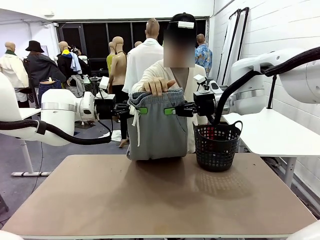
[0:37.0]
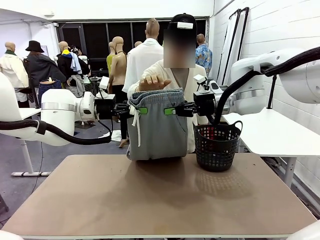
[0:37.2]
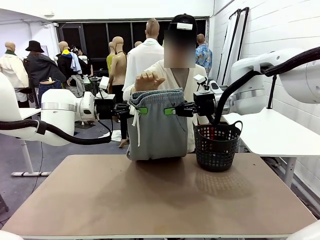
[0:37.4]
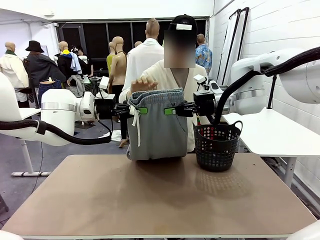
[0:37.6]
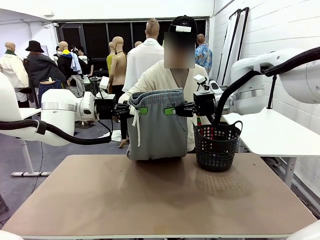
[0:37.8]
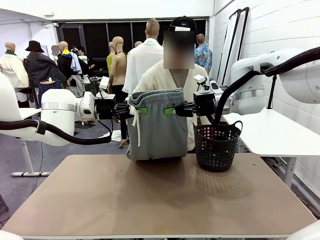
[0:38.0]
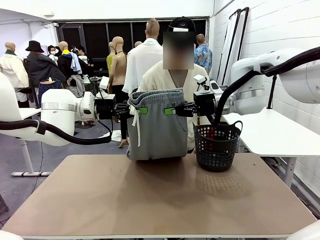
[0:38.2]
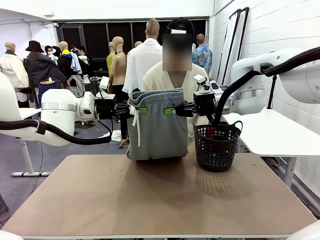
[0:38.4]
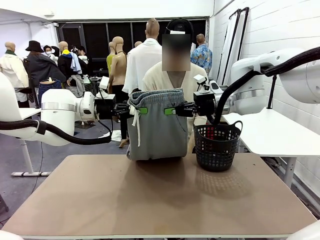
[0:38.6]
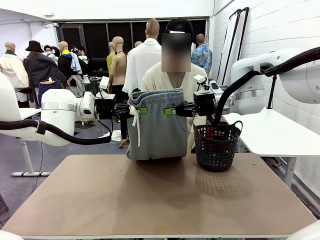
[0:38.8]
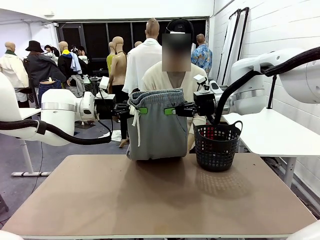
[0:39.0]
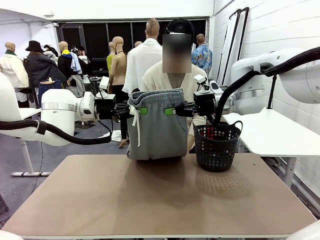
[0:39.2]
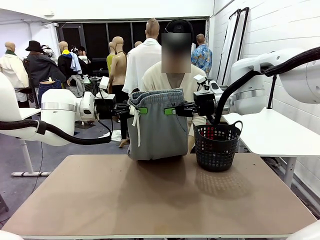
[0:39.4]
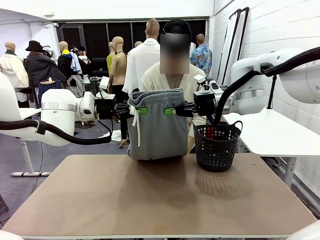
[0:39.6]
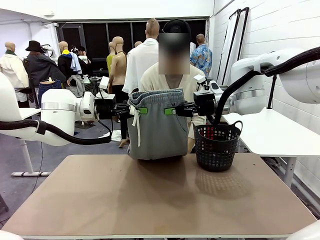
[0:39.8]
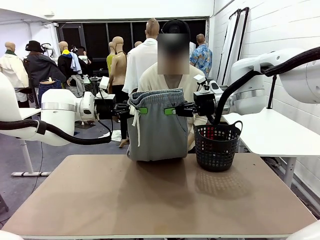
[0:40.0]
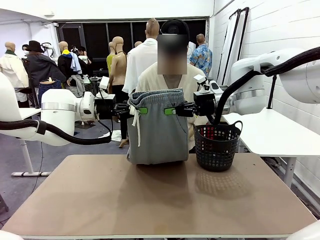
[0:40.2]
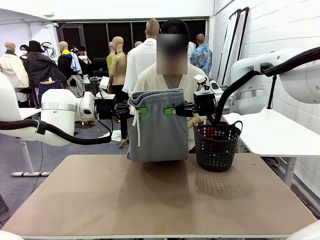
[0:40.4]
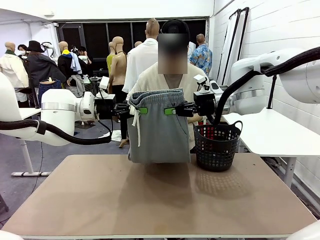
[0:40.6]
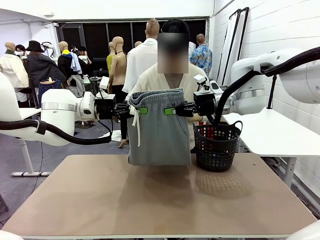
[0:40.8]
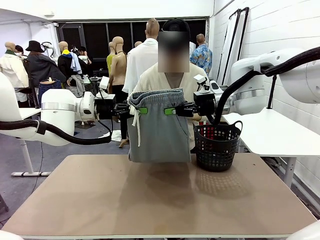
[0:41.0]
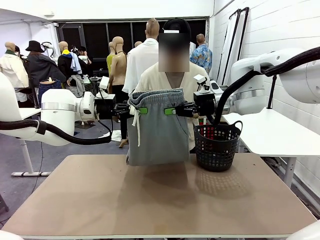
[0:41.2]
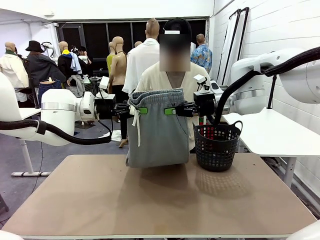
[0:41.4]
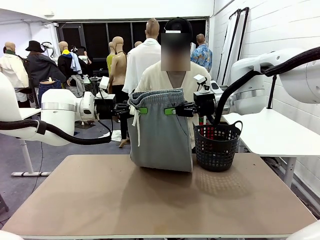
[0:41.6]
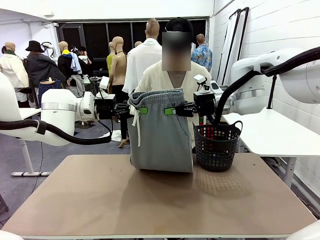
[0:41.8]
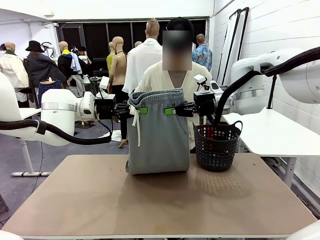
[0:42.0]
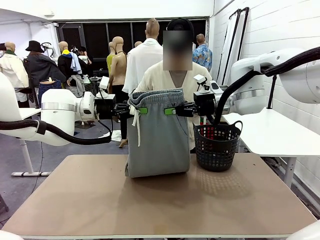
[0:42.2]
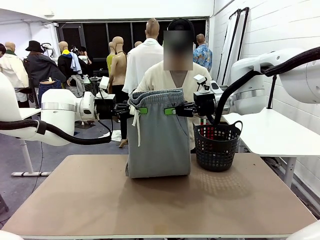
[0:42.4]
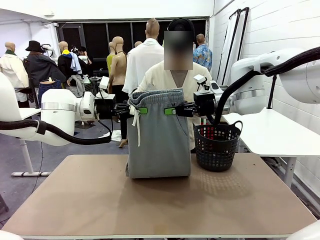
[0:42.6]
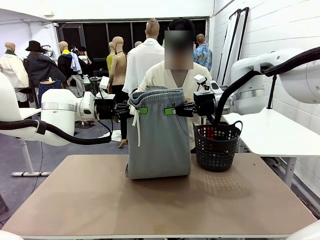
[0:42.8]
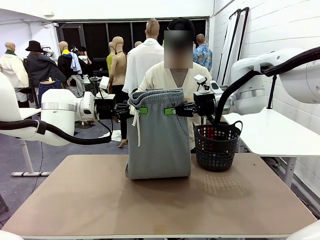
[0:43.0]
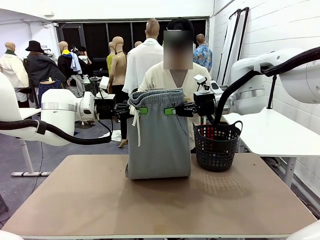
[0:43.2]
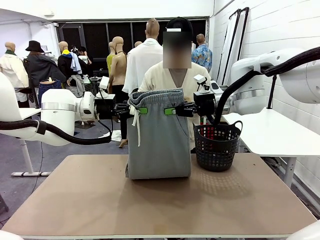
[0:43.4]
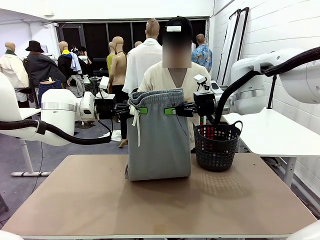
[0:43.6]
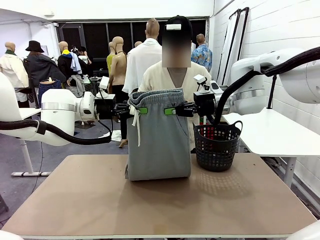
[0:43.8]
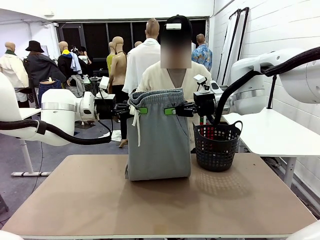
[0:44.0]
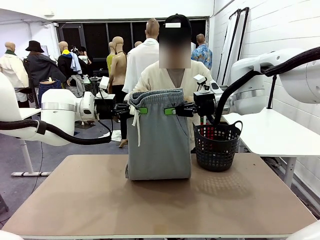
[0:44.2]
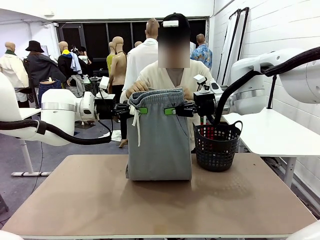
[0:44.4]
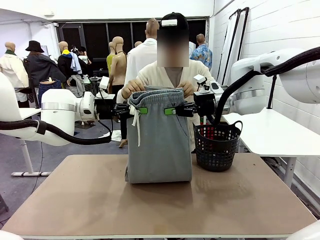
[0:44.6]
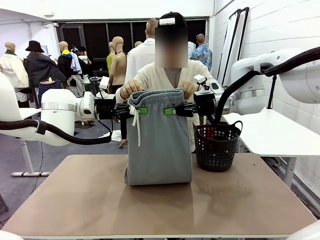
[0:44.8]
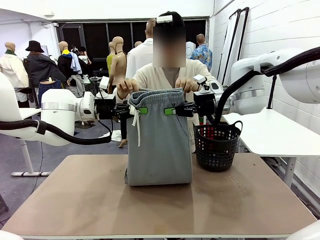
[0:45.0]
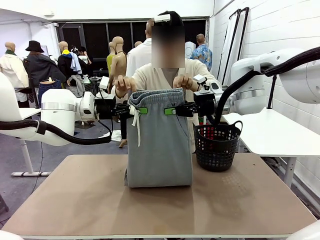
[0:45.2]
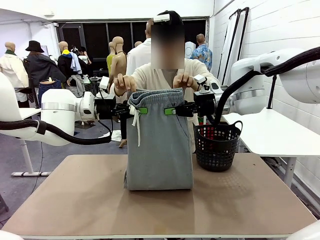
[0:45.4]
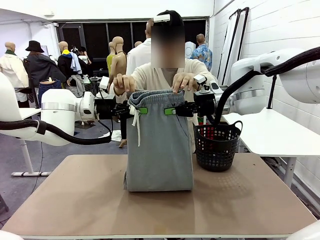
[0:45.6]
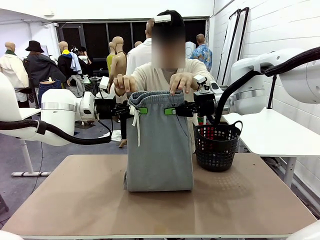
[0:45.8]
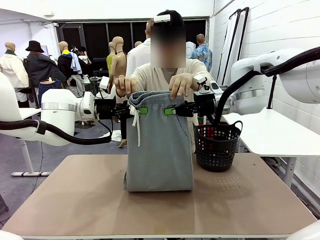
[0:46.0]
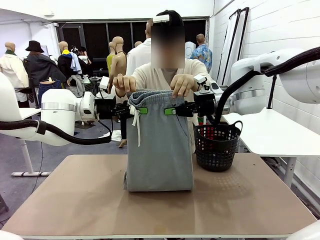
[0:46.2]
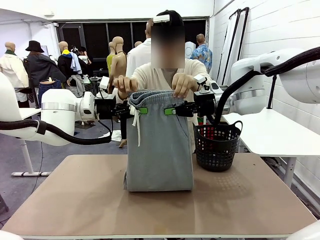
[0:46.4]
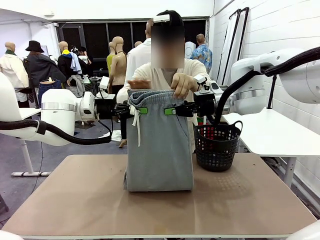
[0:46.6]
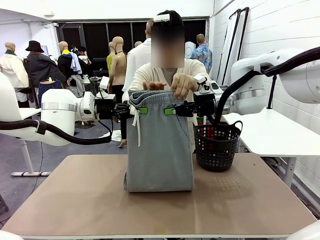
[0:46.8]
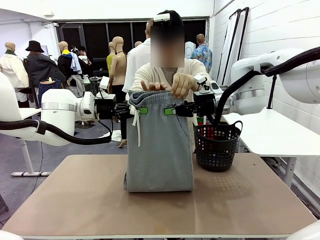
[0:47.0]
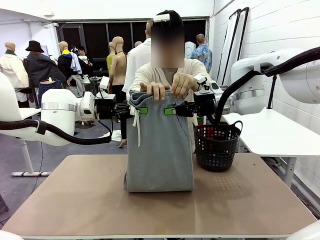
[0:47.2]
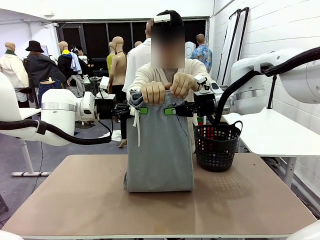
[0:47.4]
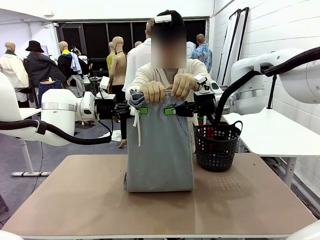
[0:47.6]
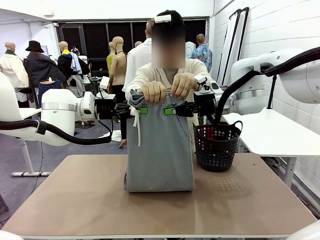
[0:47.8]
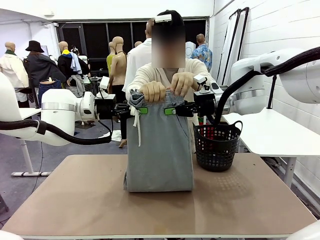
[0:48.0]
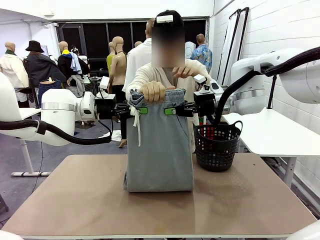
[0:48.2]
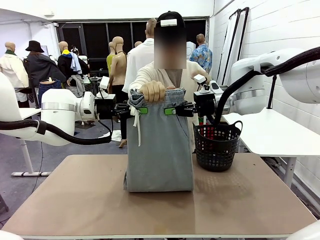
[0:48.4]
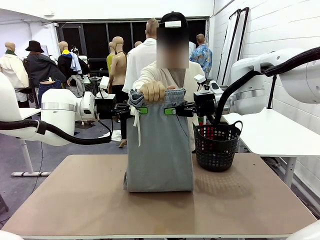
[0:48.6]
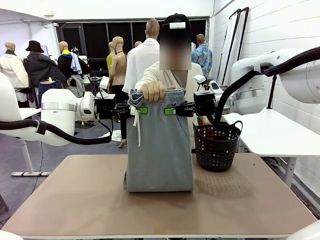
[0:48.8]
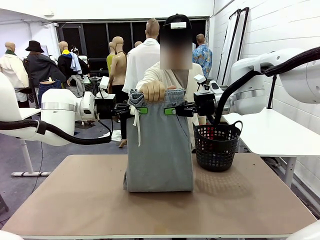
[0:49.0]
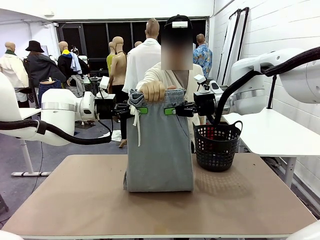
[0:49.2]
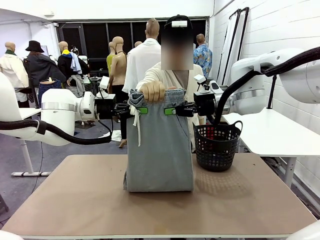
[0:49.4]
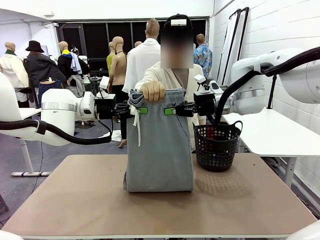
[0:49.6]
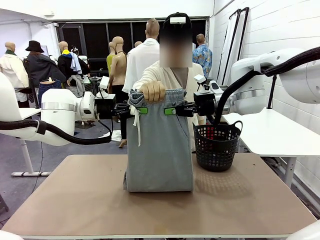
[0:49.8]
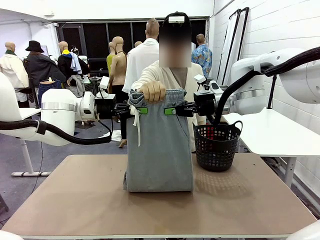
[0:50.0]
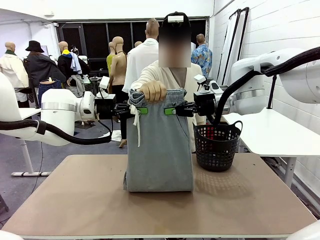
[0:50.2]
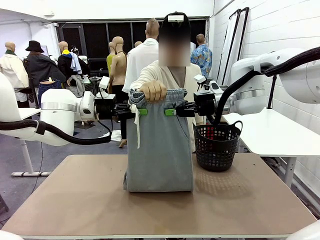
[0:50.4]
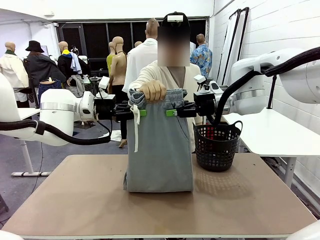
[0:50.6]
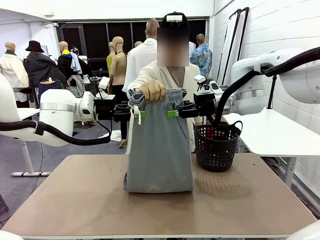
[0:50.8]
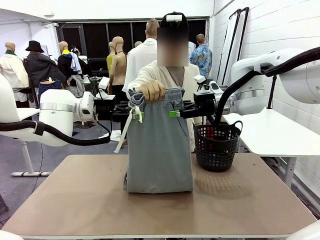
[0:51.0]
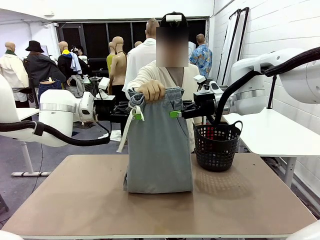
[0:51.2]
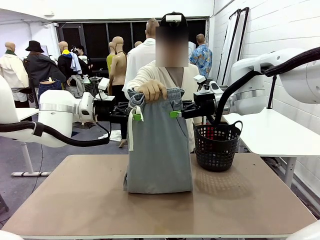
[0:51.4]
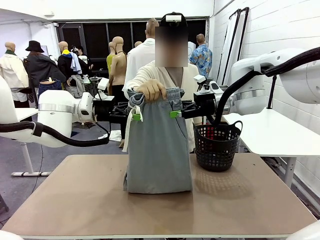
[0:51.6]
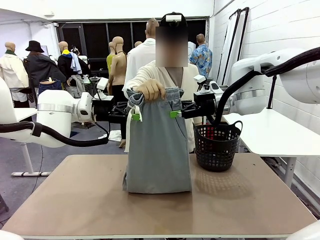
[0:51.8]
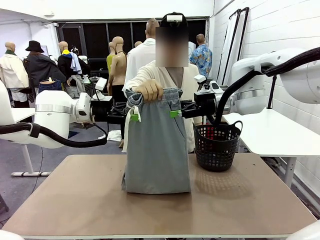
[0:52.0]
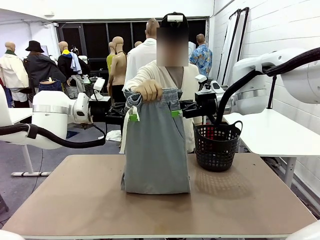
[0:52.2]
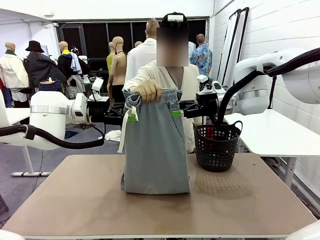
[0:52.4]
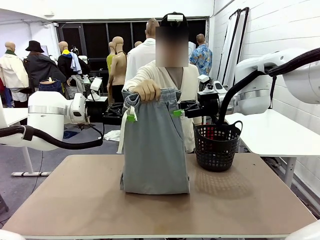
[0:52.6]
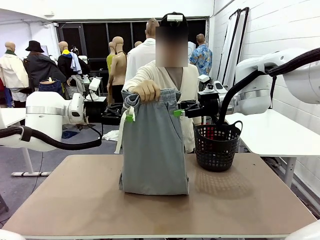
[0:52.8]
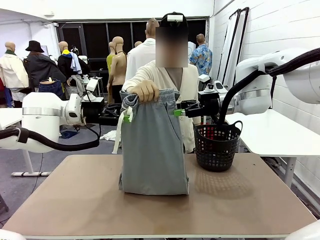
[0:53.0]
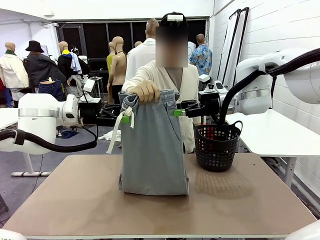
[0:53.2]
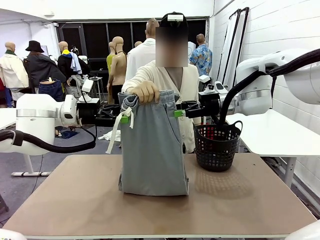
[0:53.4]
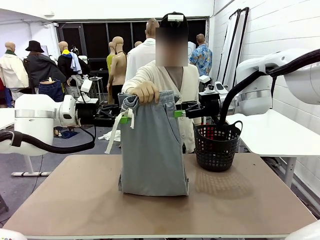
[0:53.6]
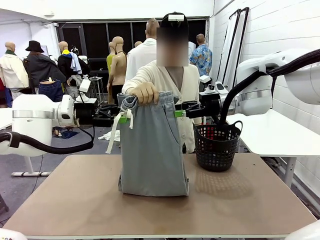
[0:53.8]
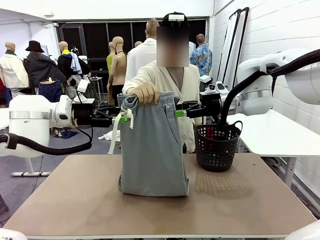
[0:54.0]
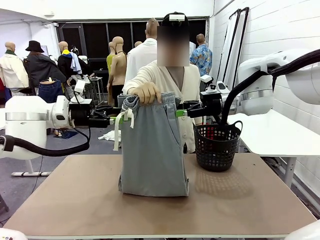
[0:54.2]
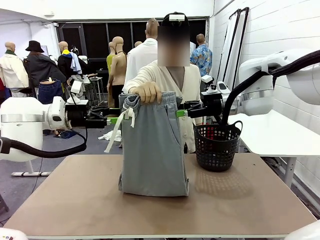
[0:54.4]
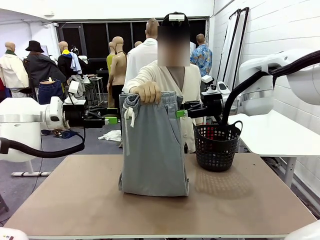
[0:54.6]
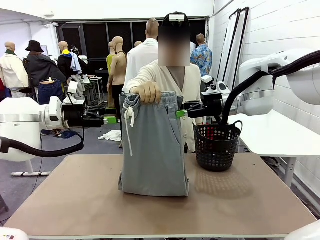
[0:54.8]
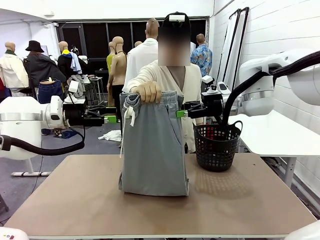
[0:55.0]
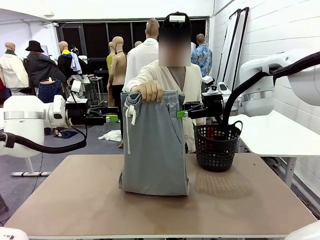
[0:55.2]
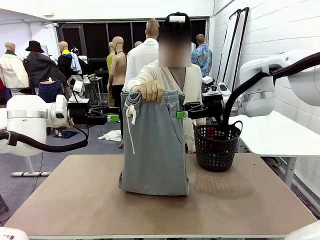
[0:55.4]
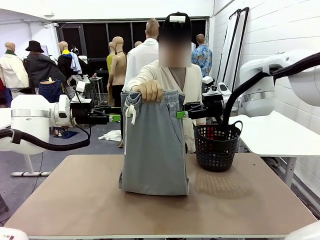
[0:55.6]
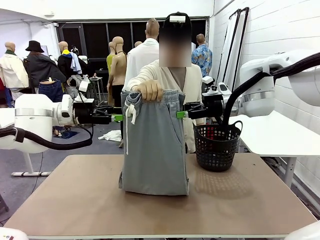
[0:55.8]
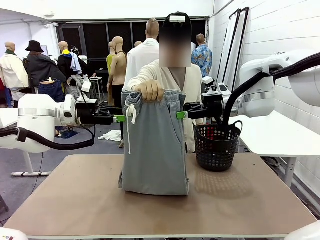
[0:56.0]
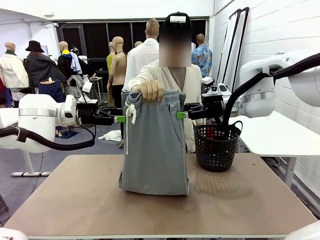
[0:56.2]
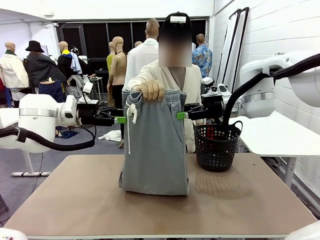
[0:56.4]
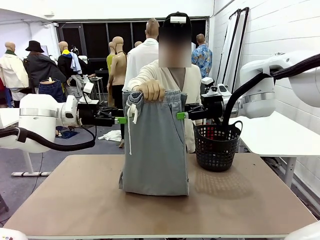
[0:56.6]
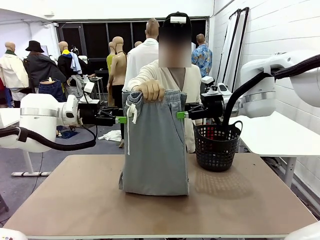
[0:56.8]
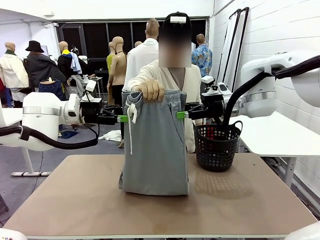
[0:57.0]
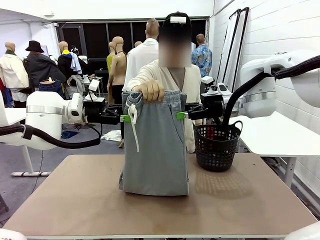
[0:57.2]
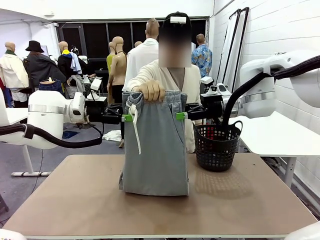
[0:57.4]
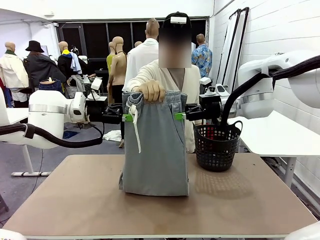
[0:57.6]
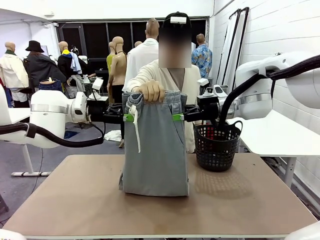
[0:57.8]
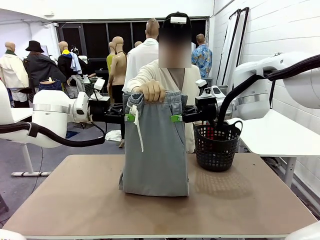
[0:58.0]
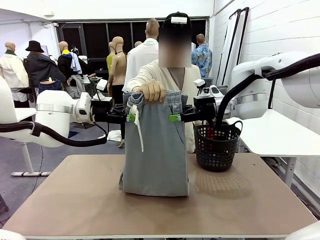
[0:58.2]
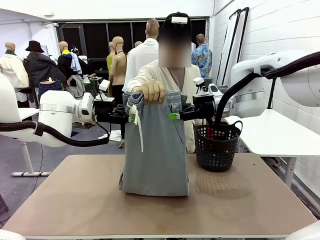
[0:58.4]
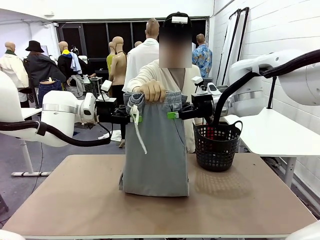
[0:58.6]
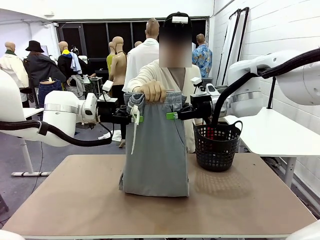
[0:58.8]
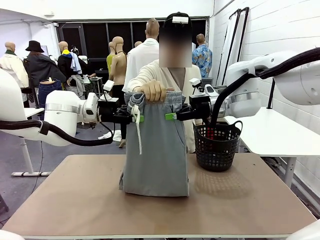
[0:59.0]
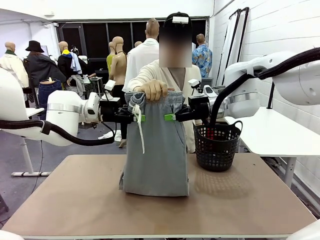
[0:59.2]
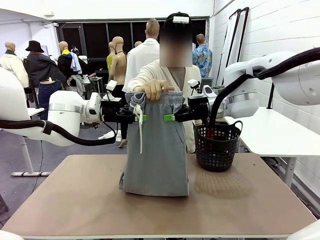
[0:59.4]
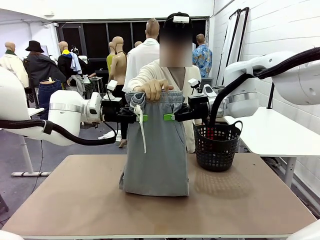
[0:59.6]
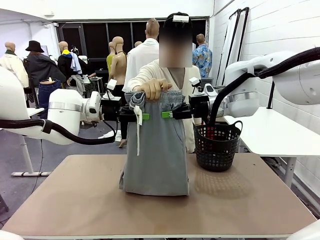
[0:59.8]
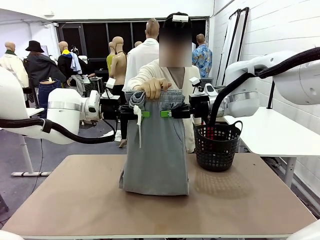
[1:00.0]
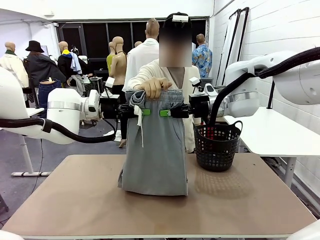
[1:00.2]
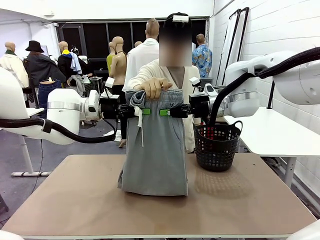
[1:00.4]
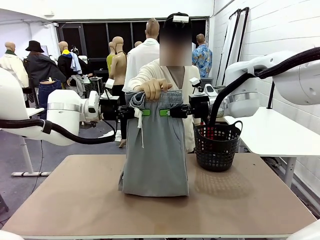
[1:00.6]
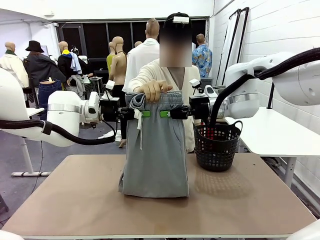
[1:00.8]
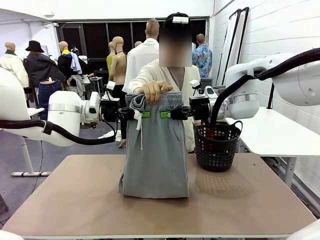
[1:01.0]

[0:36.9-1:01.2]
Task: Fold the training pants.
Robot: Release the ends of the Training pants and then grab the overlapped ends.
Person: Release the pants you were holding.
